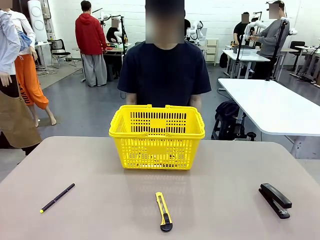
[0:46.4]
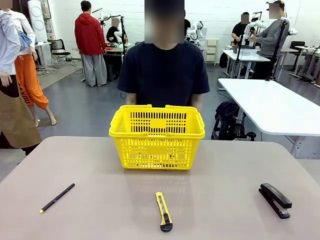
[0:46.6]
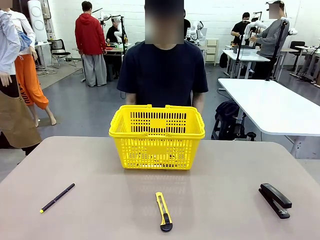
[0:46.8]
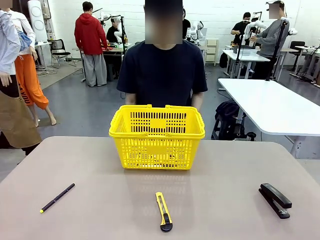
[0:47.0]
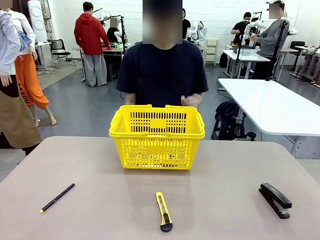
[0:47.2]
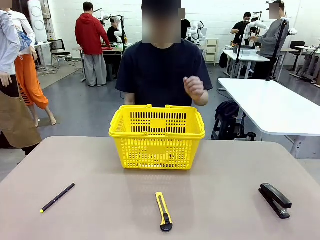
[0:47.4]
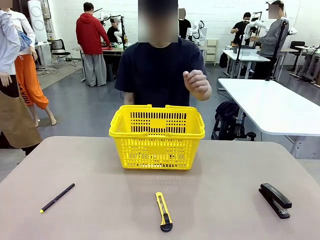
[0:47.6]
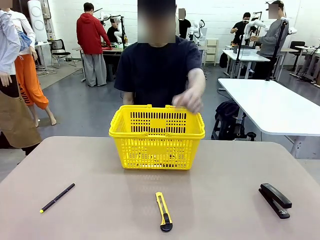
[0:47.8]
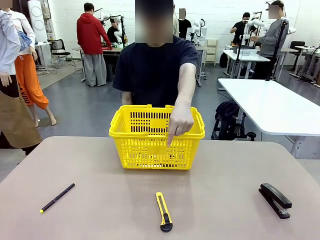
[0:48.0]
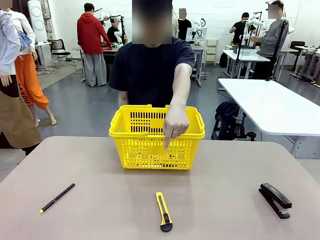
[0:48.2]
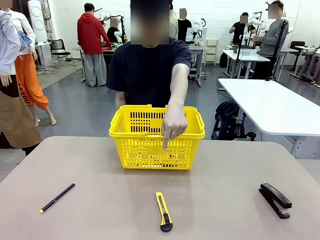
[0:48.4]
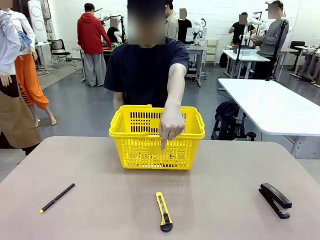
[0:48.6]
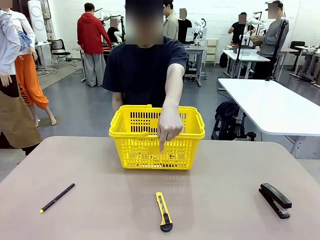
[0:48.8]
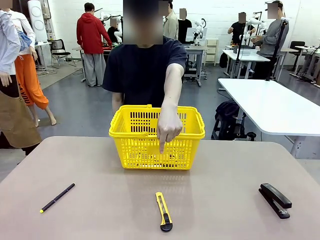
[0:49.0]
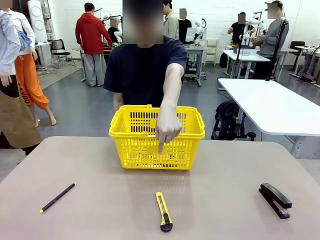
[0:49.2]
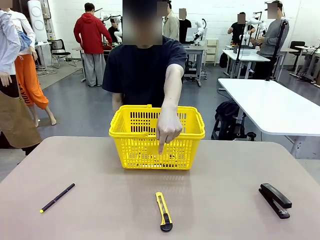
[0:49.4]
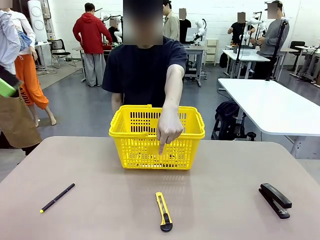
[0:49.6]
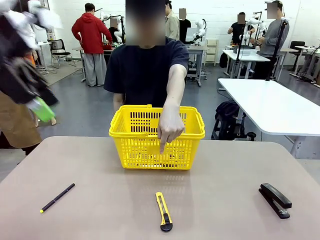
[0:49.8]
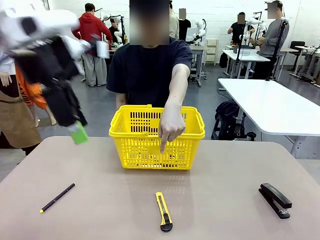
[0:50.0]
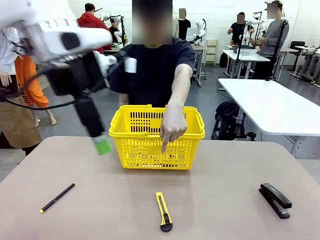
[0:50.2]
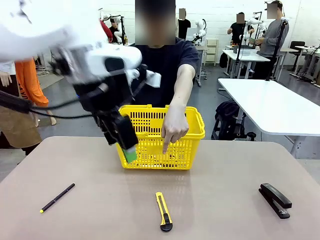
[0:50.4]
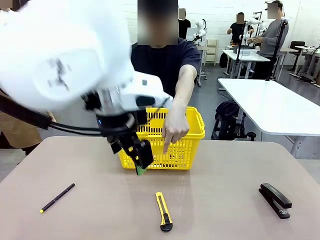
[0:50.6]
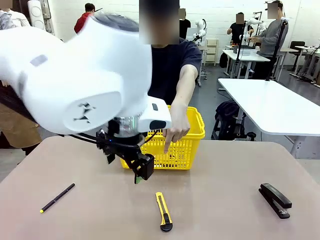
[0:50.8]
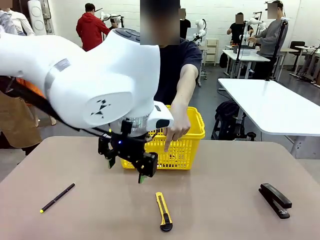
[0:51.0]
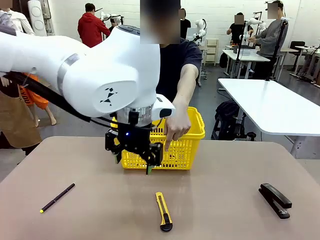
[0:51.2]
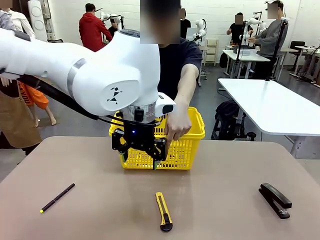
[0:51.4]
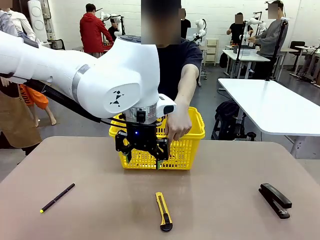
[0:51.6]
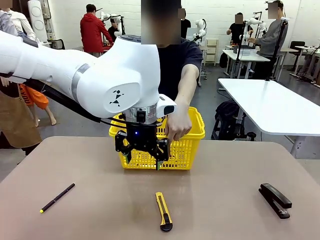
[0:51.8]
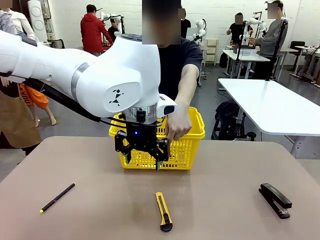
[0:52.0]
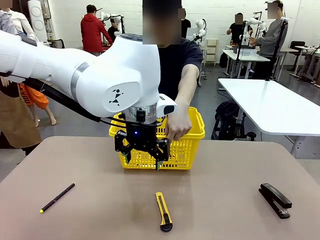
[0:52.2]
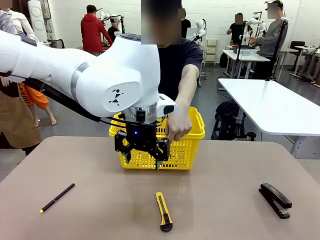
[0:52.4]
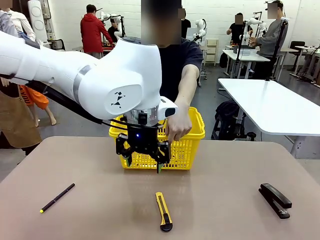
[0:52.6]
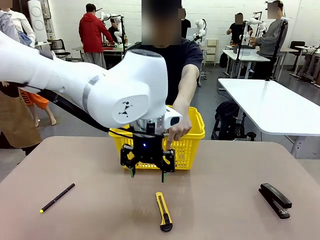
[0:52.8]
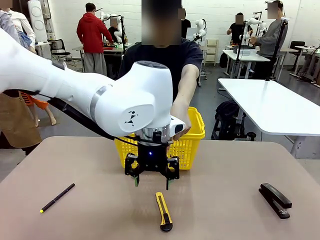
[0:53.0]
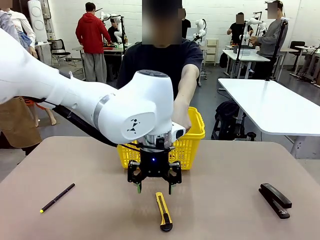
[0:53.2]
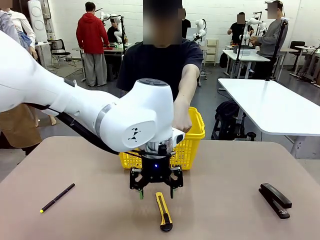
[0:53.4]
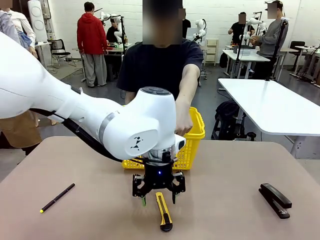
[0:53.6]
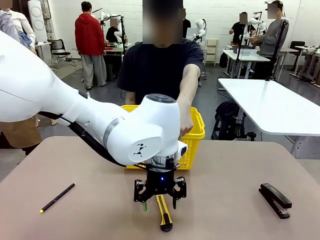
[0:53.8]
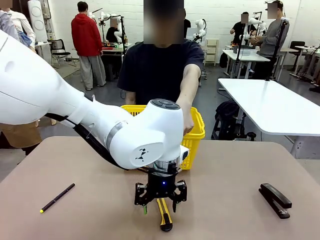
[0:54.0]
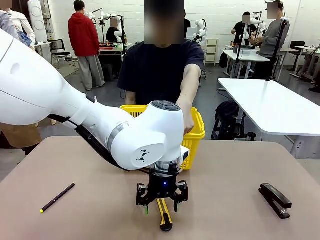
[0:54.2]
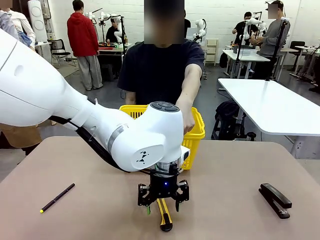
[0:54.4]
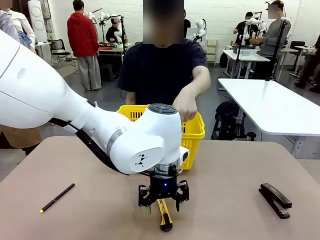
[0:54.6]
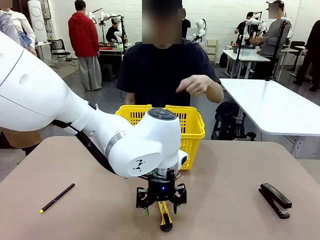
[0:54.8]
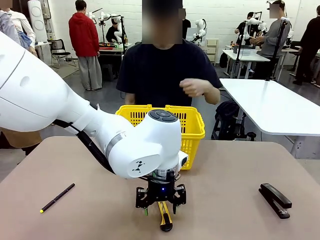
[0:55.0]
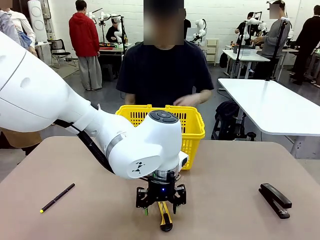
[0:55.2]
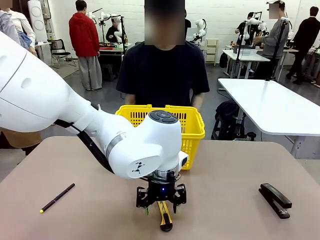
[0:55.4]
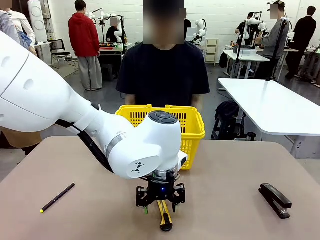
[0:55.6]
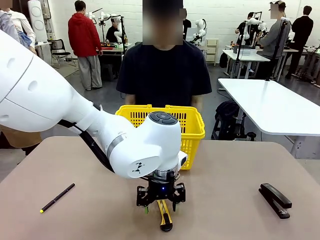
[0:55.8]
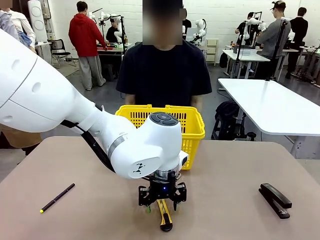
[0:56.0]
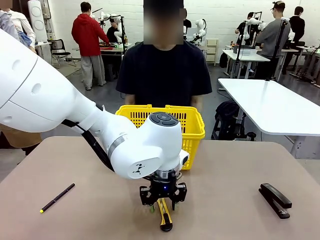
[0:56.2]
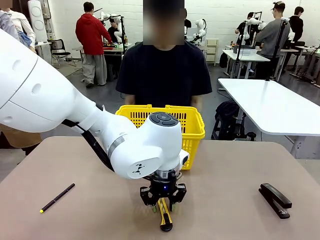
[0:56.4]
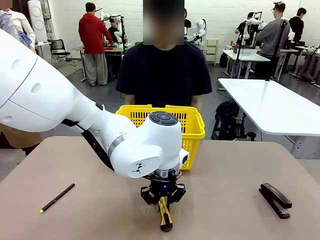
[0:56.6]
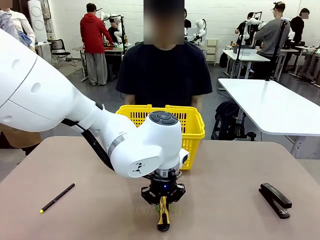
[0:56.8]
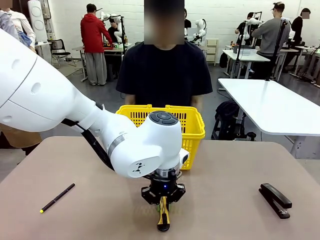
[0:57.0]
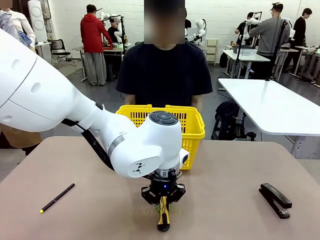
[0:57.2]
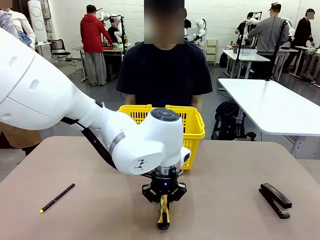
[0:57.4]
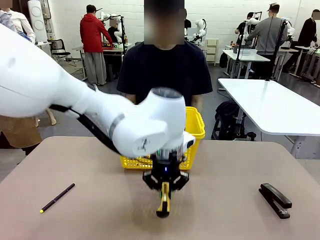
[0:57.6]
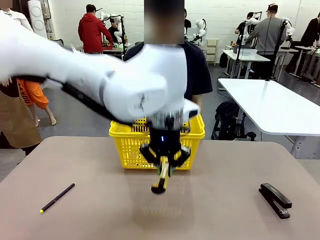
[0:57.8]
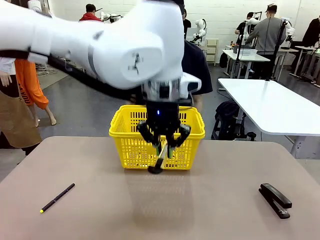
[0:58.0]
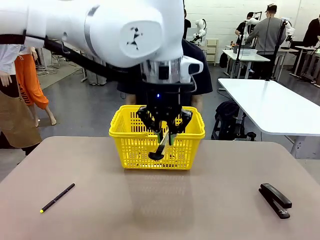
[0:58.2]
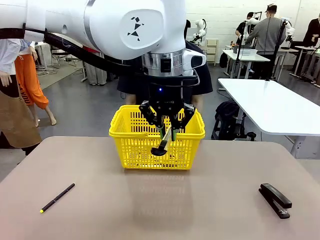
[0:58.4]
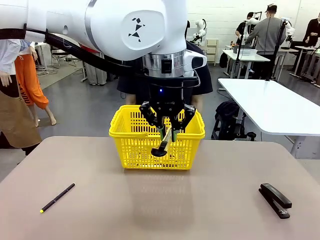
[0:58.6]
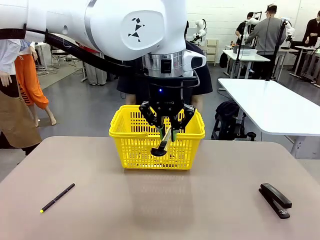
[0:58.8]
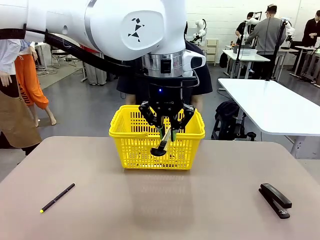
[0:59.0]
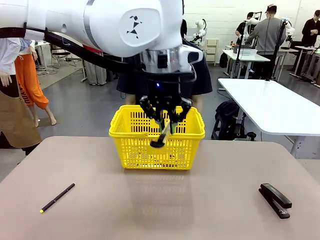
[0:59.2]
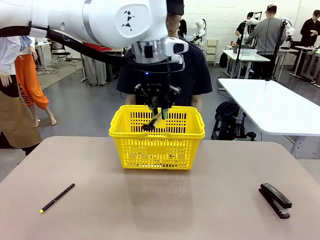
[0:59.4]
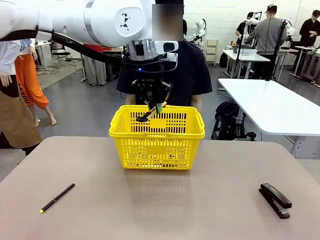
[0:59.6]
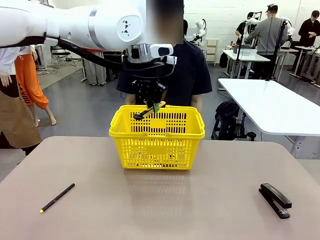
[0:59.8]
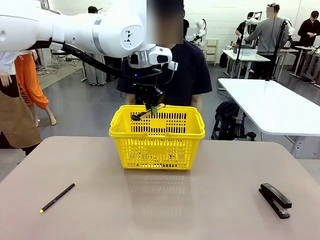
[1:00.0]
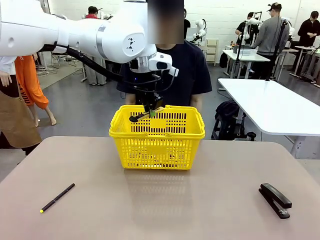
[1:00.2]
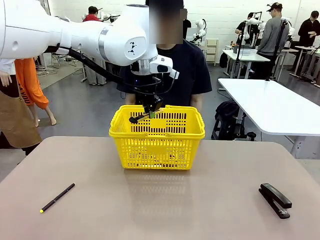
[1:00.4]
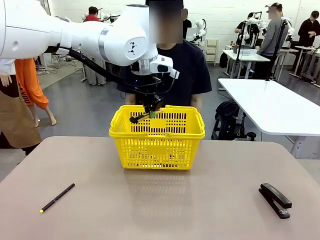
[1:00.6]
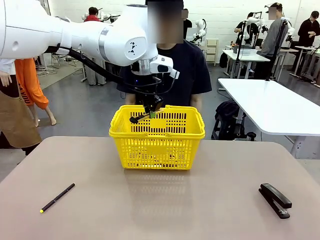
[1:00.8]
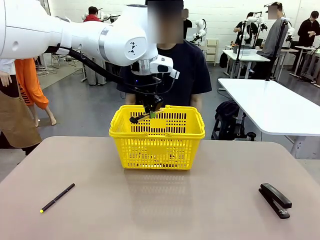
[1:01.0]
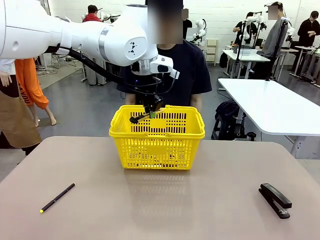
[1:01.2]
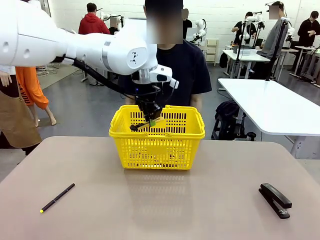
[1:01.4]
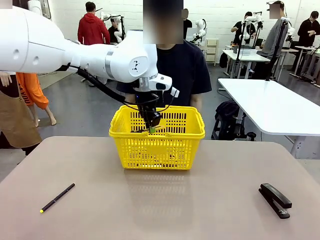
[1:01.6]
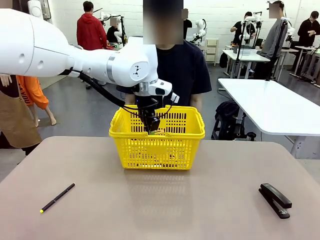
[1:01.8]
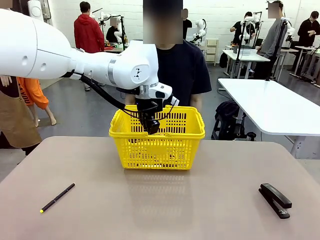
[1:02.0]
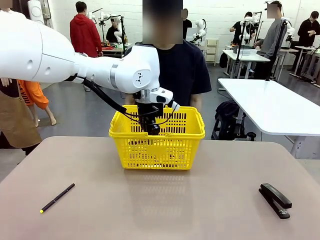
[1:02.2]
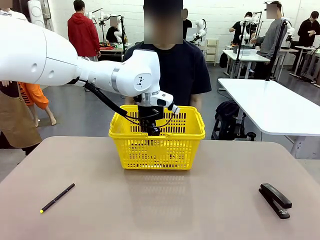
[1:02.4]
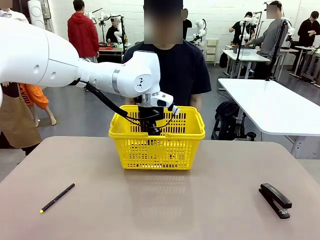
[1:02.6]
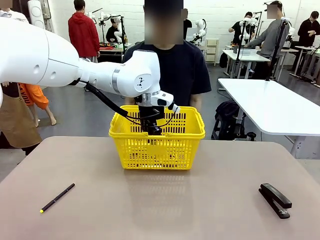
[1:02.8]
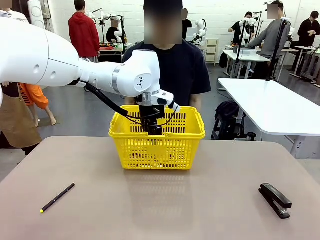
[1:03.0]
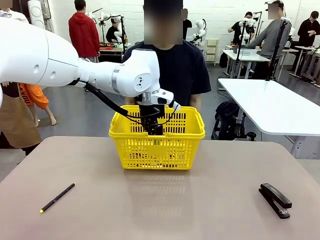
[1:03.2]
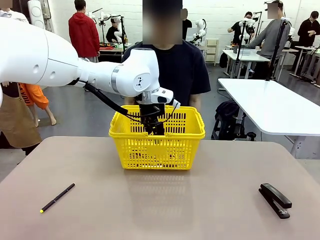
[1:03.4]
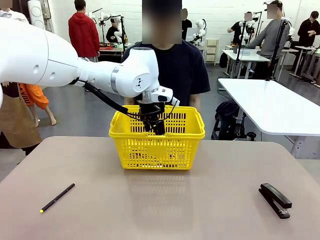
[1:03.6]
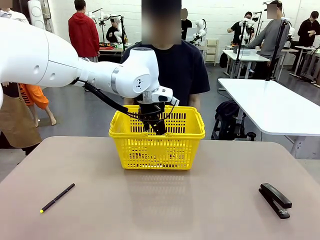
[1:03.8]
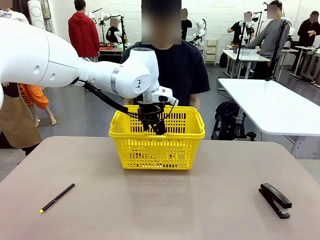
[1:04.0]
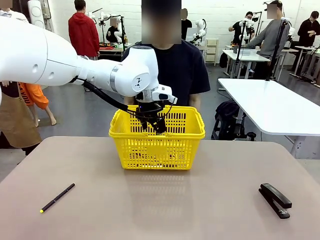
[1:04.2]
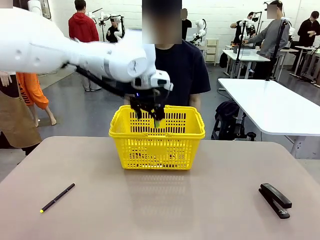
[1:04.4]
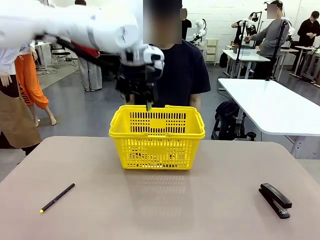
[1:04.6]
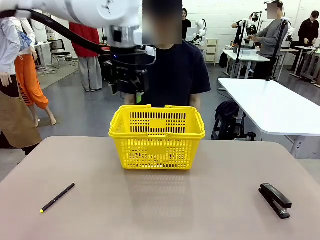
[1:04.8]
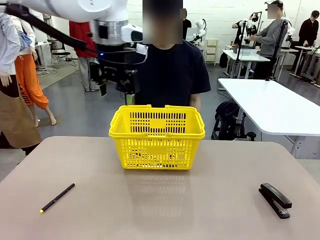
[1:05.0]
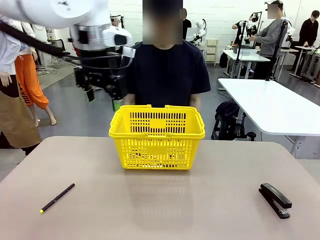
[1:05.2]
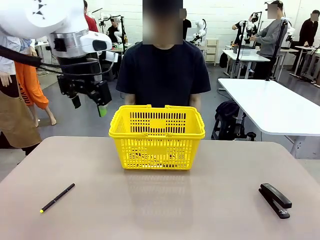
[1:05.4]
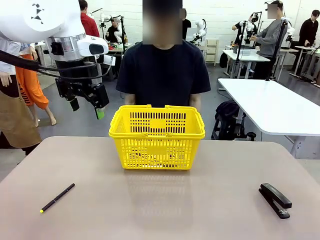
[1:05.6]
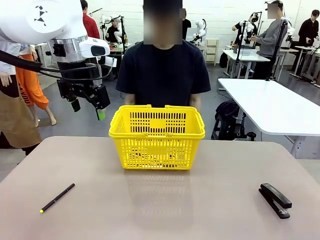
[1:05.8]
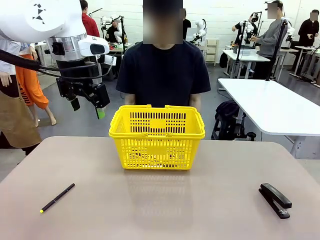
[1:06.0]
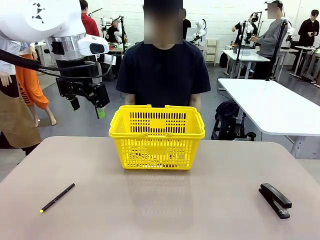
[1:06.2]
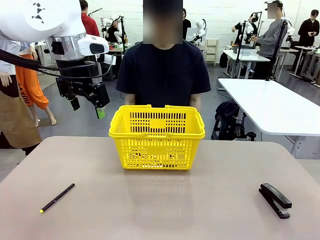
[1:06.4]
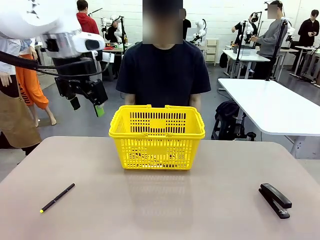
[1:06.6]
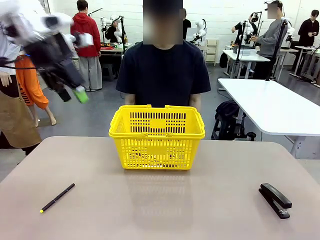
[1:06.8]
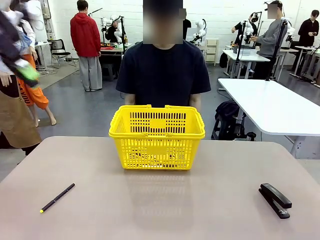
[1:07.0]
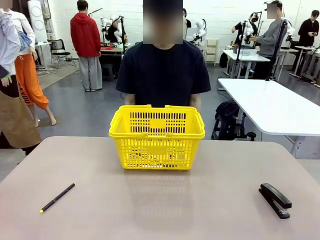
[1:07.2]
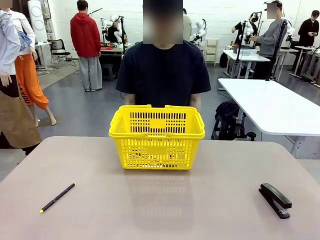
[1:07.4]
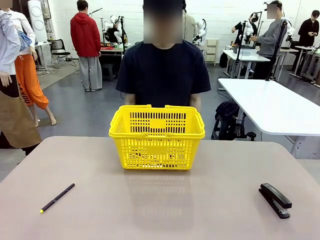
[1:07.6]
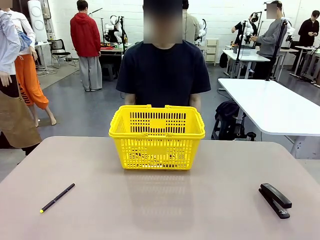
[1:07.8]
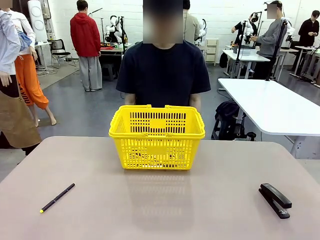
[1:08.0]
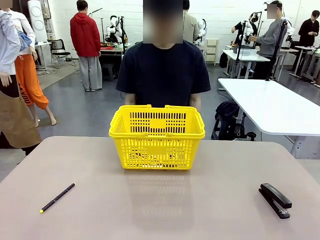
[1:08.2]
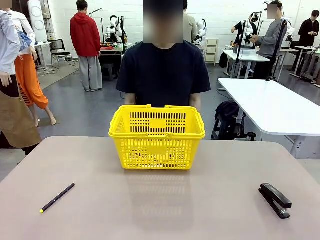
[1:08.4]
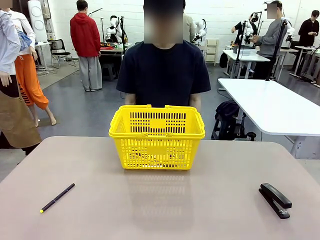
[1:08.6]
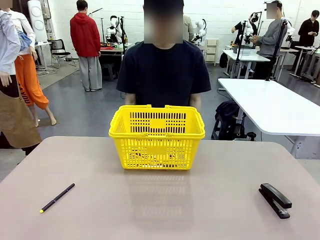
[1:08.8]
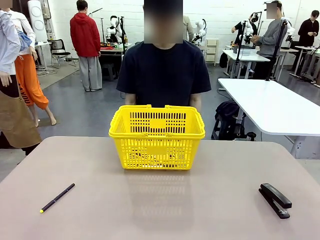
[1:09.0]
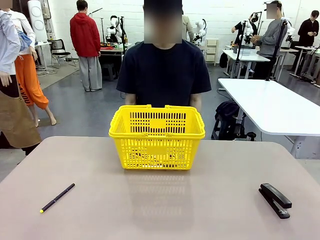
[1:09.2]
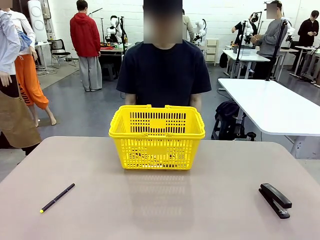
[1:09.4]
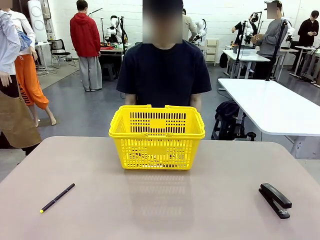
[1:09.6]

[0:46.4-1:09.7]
Task: Place the items the person wants into the basket.
Robot: Pick up the item the person points to and place it in the Market Basket.
